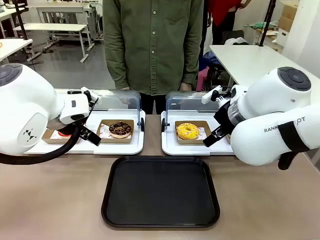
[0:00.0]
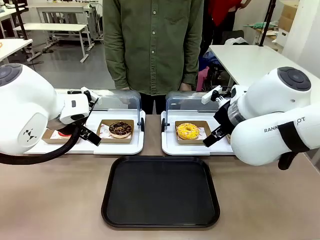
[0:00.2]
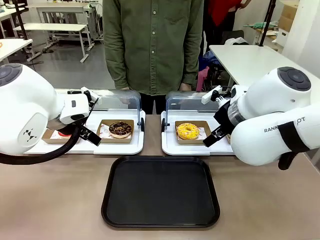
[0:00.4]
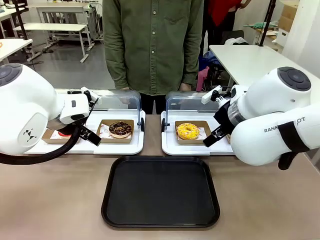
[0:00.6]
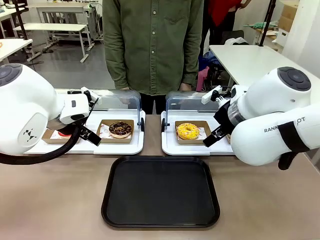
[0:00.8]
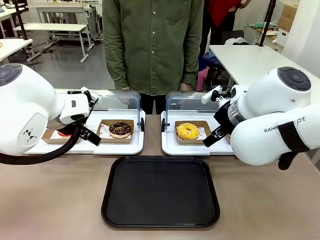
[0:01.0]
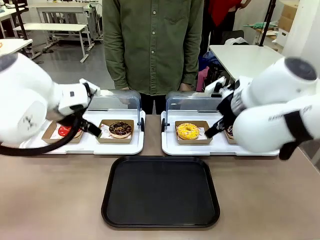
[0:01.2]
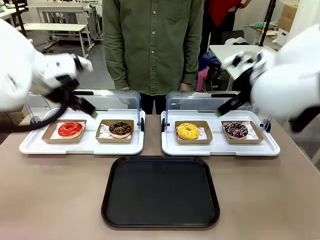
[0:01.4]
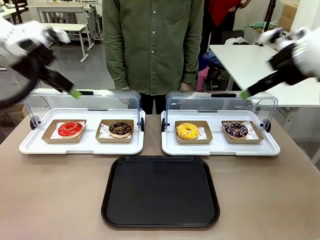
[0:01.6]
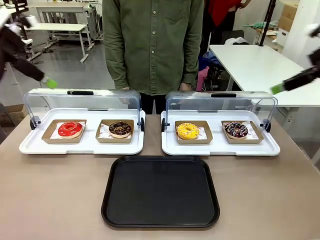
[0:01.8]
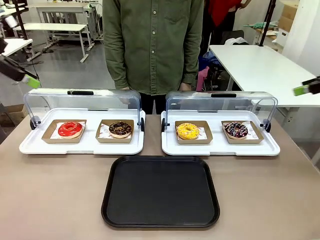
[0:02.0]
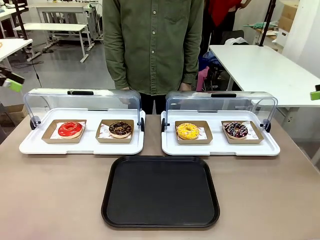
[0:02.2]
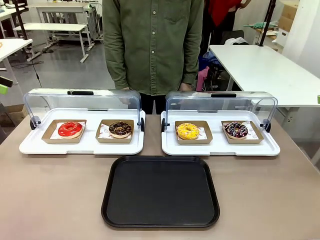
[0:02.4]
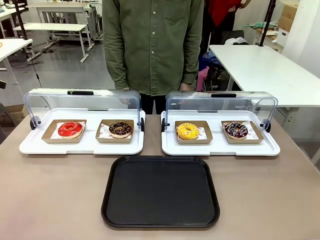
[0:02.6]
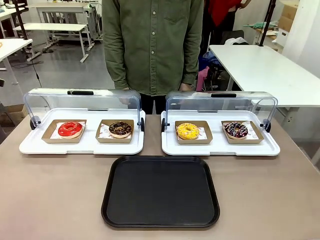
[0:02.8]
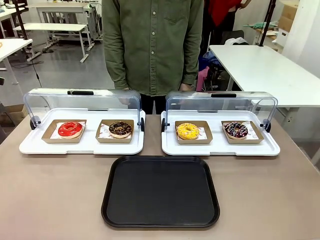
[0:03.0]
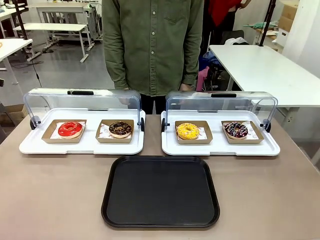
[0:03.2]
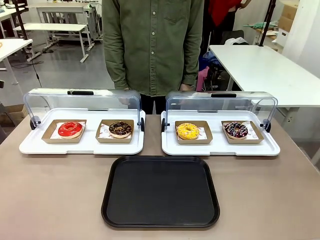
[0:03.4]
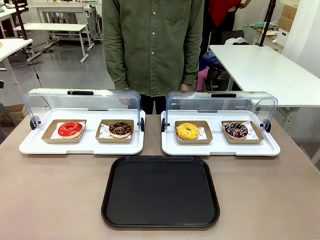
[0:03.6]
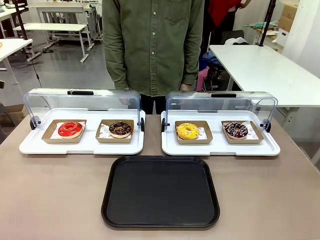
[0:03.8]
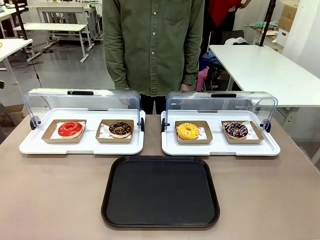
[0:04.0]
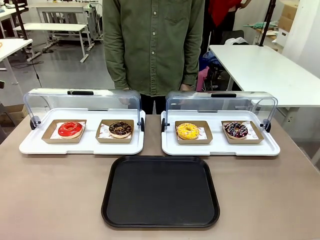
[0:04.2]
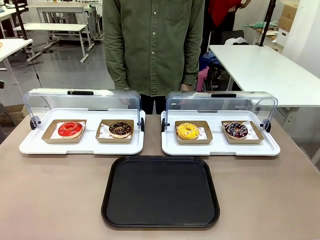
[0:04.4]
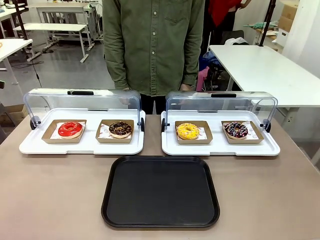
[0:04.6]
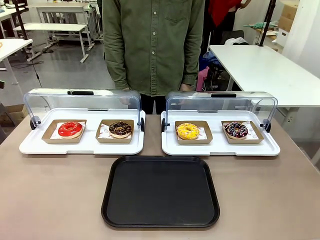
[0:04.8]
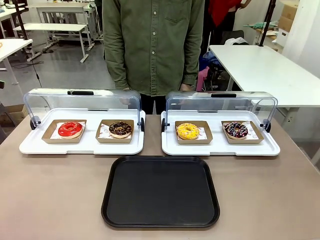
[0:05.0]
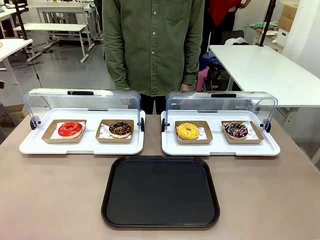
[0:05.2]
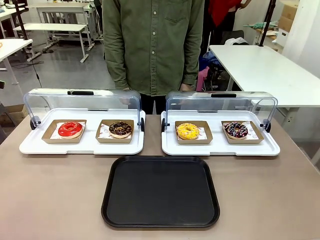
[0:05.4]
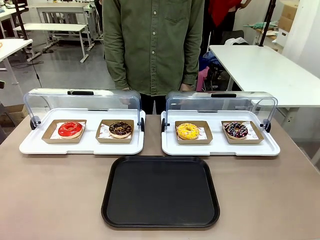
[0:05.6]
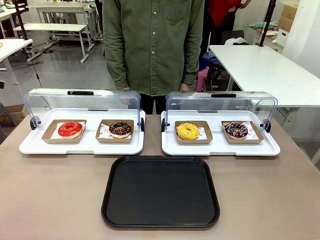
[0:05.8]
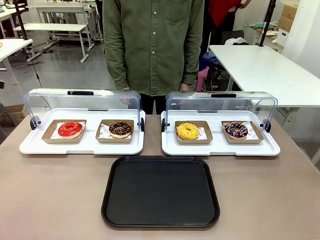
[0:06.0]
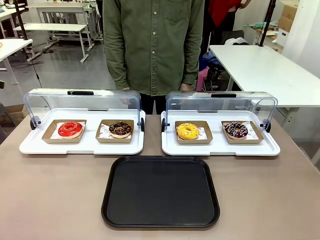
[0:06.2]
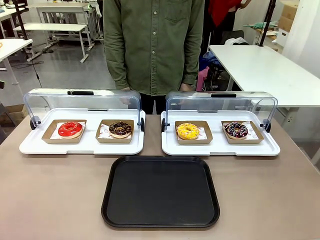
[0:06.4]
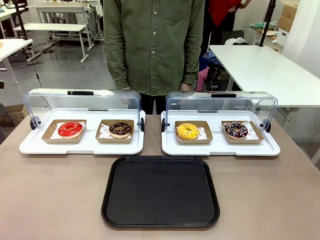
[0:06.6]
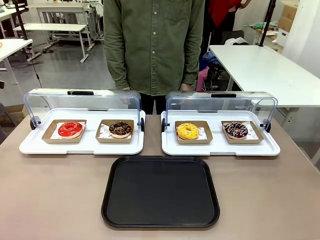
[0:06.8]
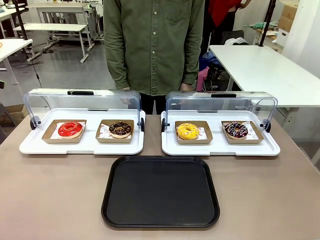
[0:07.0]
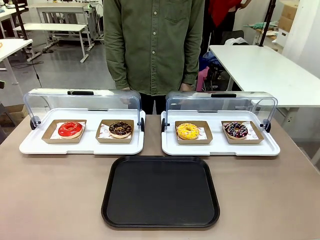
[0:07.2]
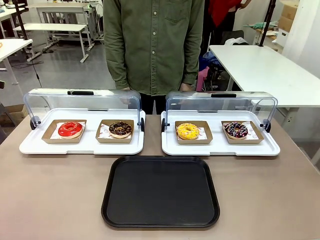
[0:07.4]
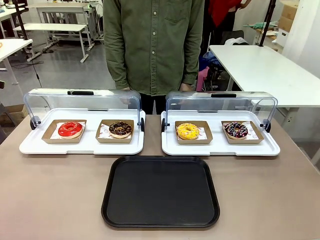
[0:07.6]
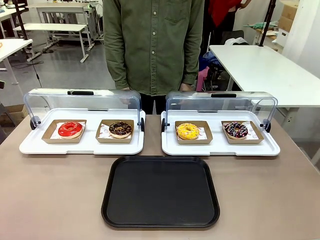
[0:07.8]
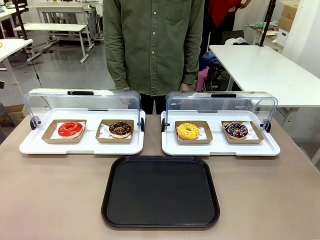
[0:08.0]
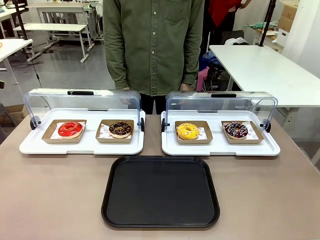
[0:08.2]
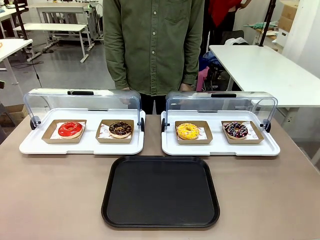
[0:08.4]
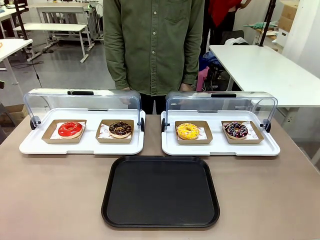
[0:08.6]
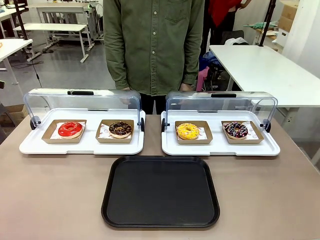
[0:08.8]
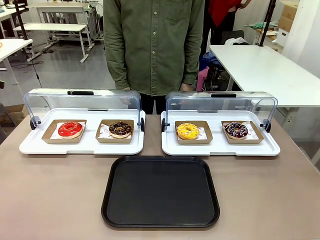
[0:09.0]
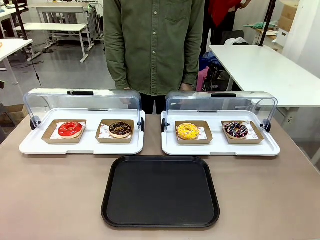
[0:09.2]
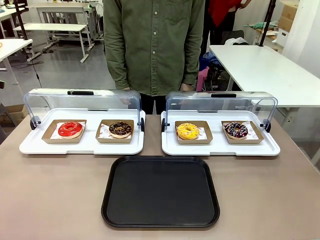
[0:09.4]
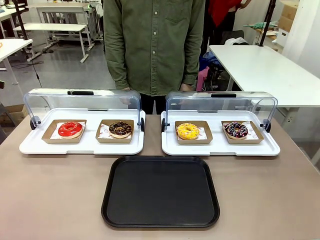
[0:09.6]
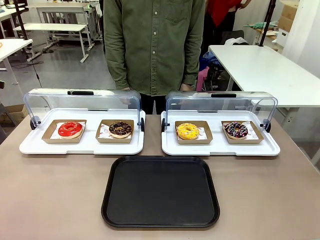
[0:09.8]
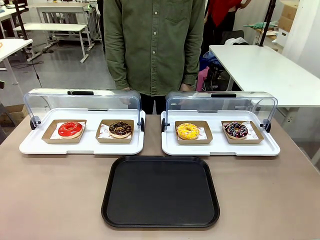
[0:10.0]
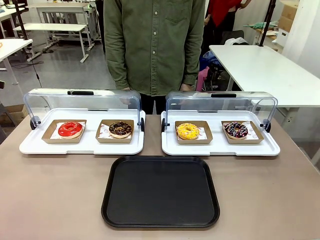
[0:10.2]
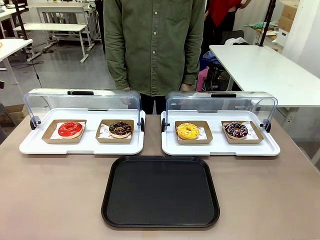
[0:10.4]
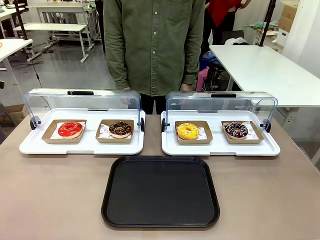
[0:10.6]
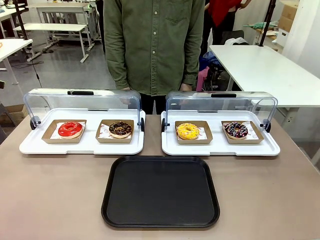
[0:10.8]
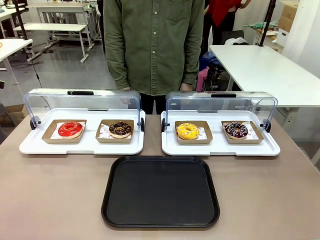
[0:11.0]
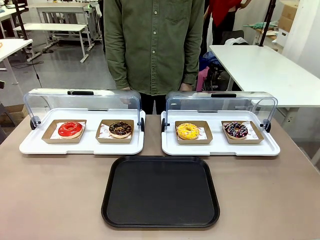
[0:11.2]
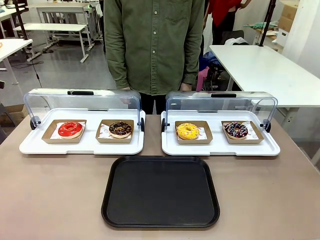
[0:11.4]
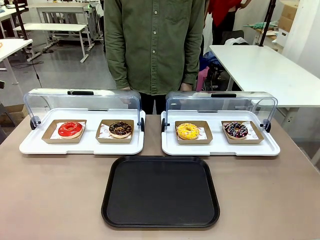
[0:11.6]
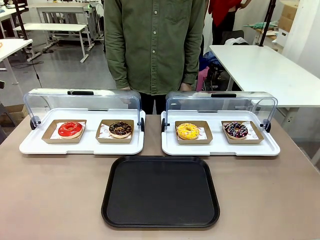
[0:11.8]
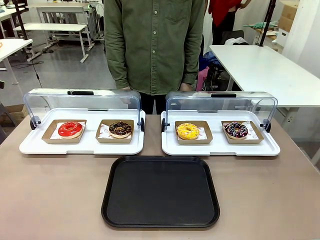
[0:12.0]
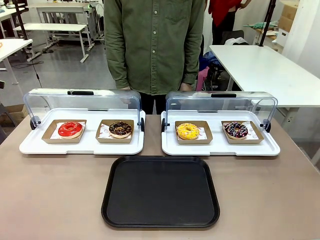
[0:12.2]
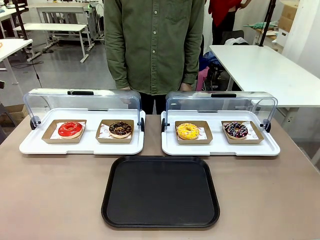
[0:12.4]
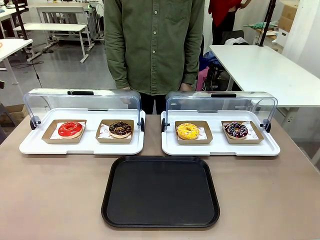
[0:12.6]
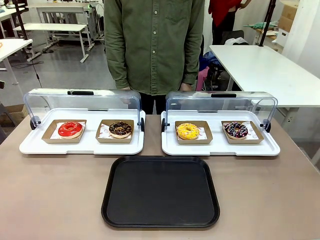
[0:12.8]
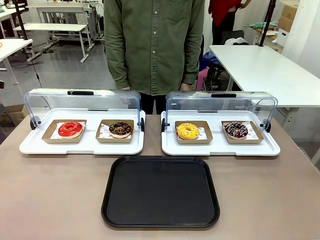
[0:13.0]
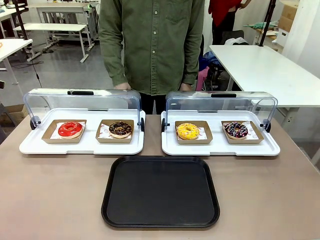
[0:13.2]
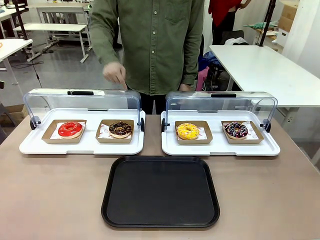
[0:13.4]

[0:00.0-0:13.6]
Task: Move the second donut from the left to the tray.
Robot: Pick up the Paper togo box containing the Donut indicated by the person and place it on the Handle tray.
